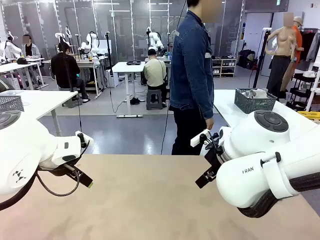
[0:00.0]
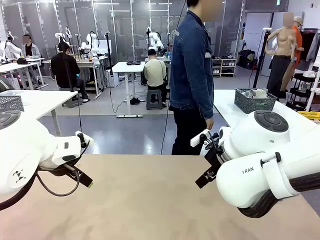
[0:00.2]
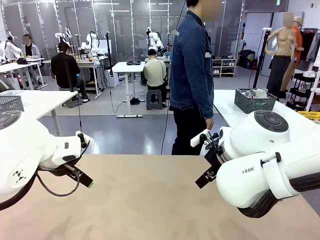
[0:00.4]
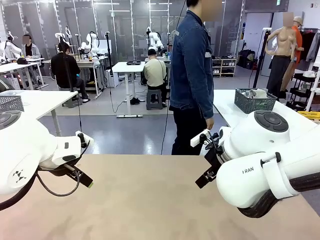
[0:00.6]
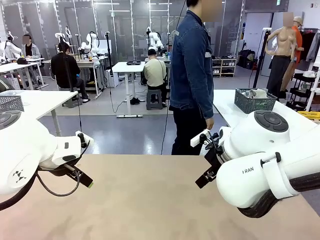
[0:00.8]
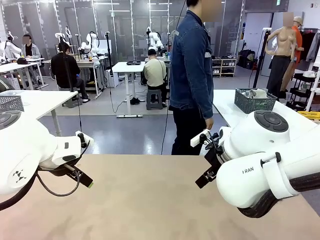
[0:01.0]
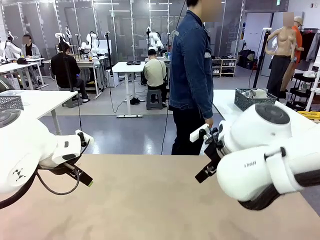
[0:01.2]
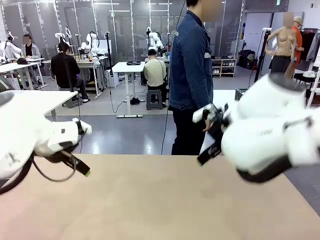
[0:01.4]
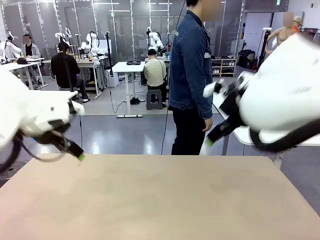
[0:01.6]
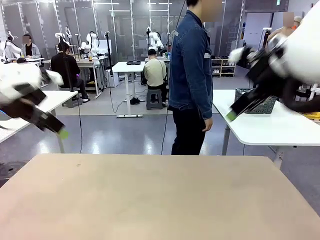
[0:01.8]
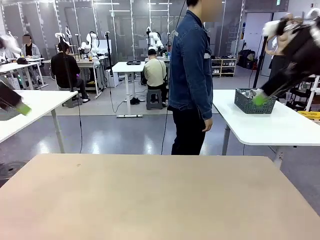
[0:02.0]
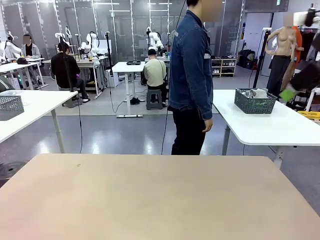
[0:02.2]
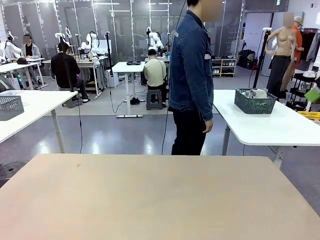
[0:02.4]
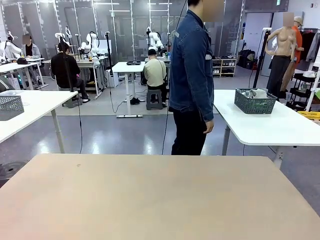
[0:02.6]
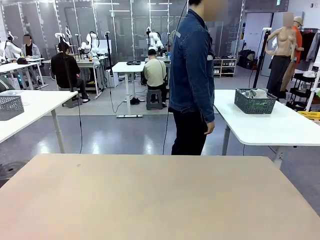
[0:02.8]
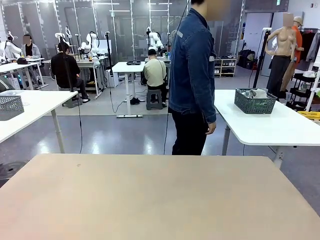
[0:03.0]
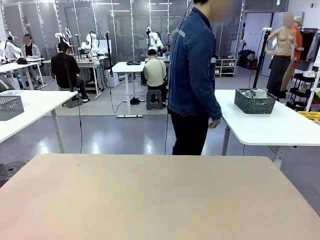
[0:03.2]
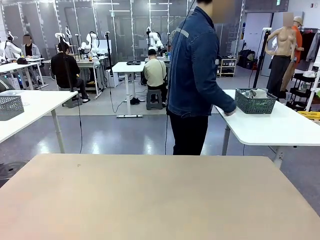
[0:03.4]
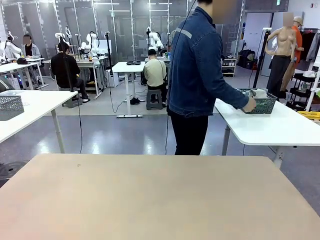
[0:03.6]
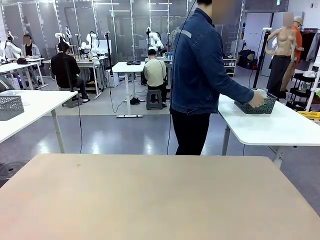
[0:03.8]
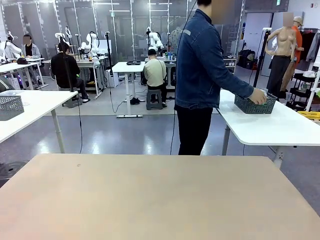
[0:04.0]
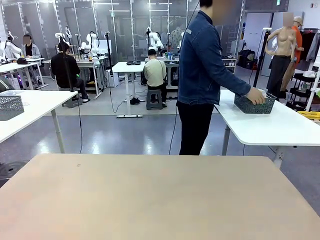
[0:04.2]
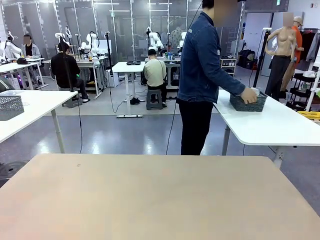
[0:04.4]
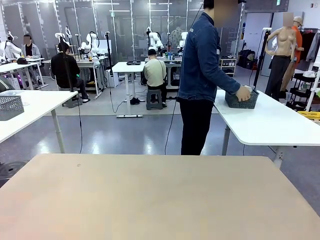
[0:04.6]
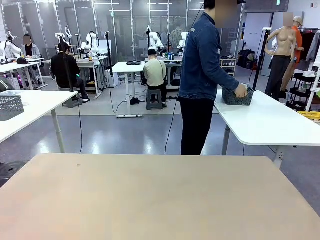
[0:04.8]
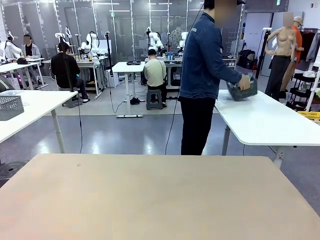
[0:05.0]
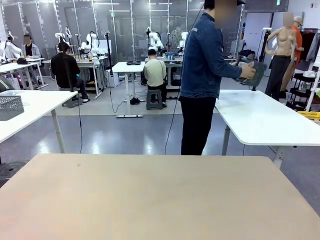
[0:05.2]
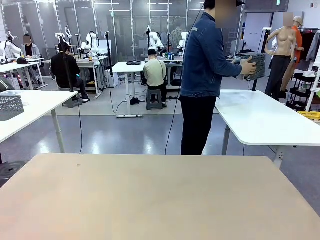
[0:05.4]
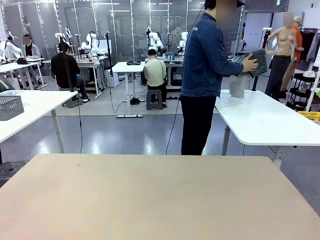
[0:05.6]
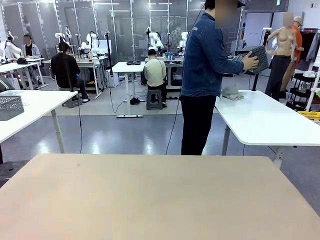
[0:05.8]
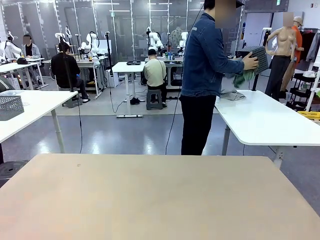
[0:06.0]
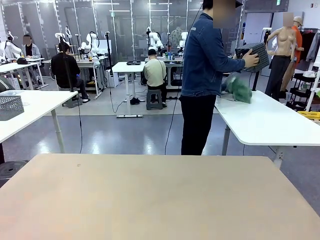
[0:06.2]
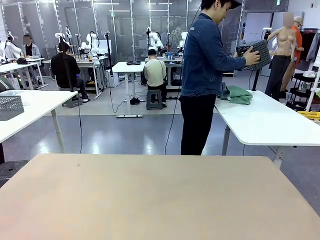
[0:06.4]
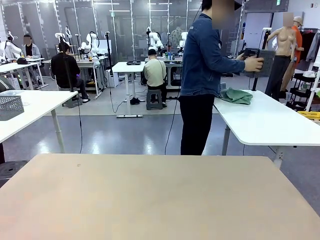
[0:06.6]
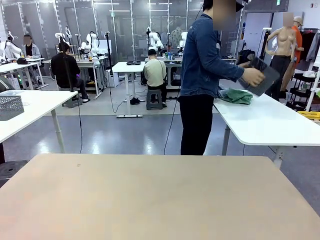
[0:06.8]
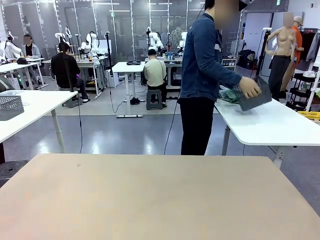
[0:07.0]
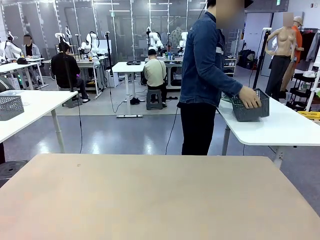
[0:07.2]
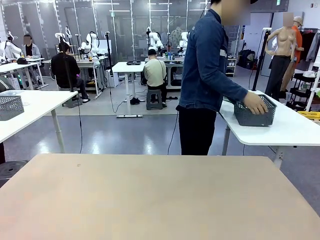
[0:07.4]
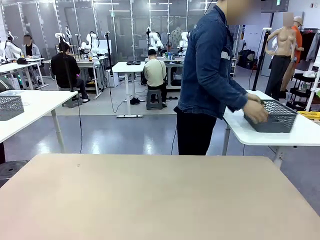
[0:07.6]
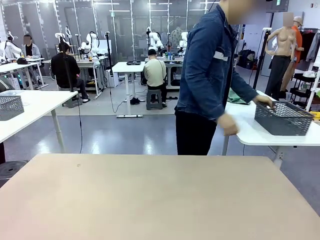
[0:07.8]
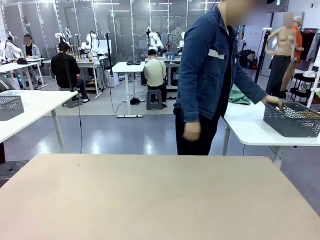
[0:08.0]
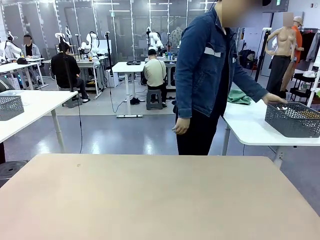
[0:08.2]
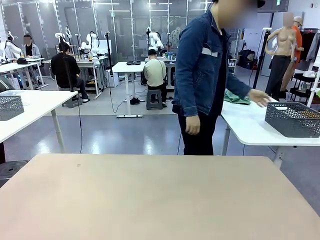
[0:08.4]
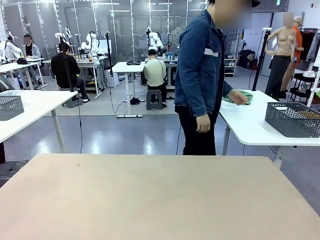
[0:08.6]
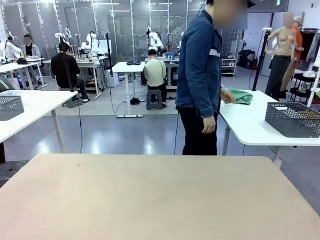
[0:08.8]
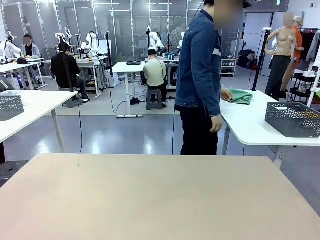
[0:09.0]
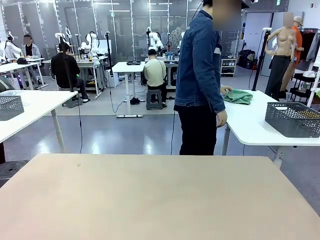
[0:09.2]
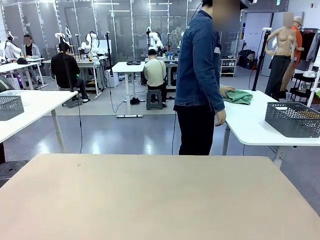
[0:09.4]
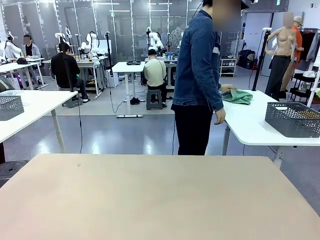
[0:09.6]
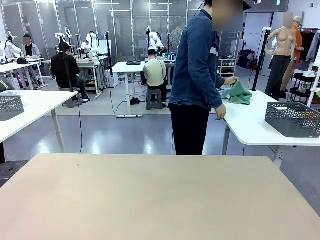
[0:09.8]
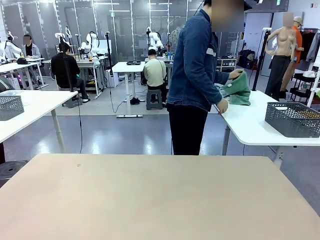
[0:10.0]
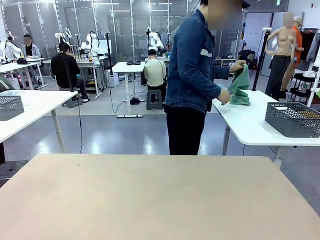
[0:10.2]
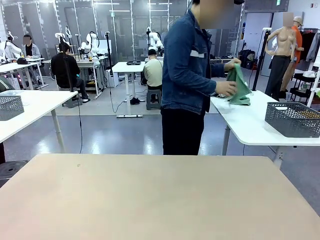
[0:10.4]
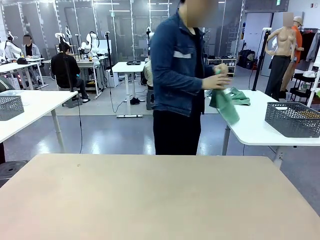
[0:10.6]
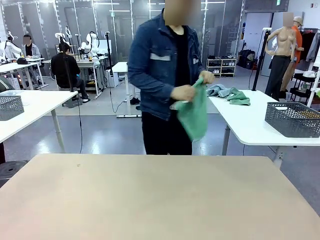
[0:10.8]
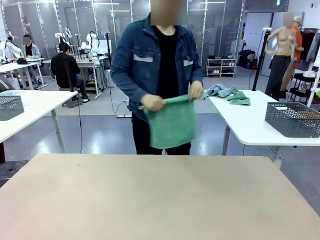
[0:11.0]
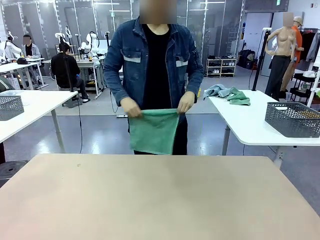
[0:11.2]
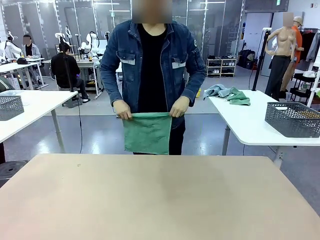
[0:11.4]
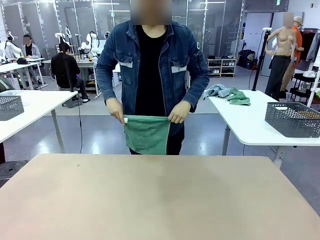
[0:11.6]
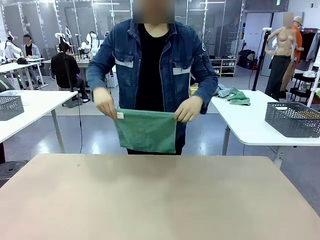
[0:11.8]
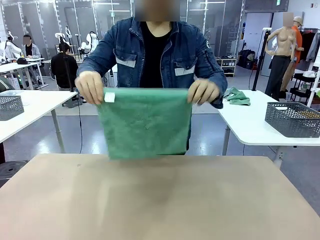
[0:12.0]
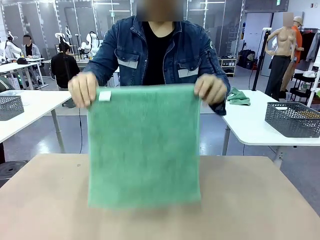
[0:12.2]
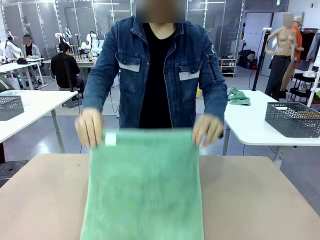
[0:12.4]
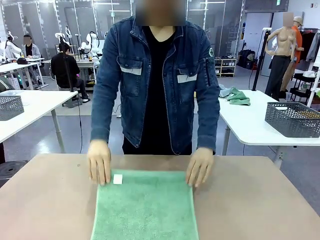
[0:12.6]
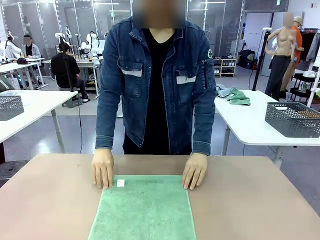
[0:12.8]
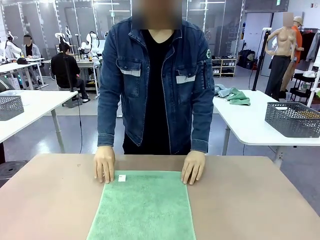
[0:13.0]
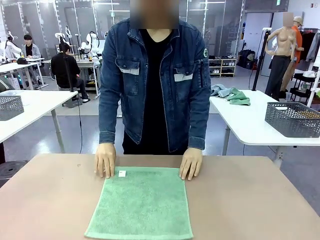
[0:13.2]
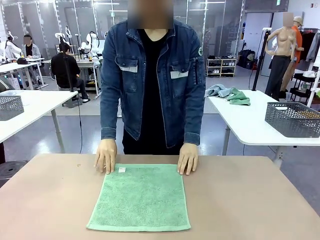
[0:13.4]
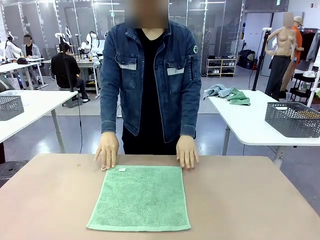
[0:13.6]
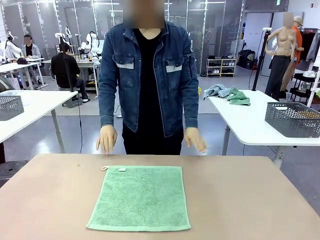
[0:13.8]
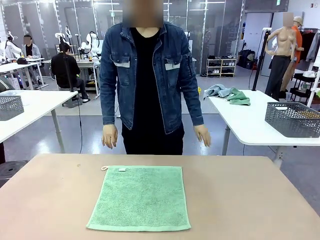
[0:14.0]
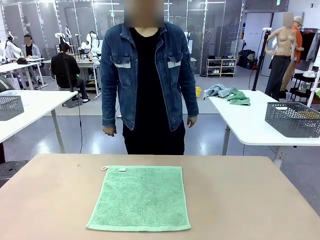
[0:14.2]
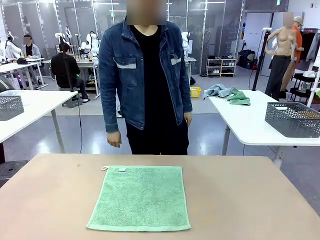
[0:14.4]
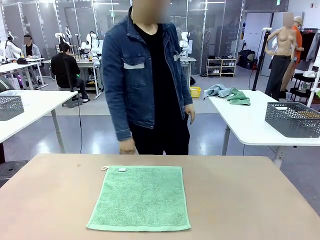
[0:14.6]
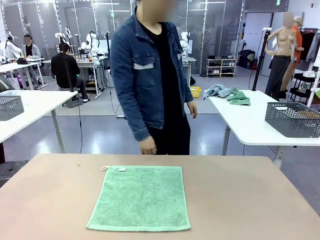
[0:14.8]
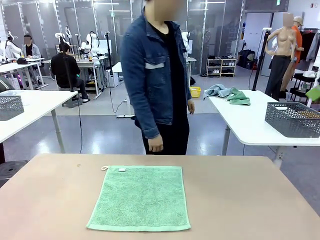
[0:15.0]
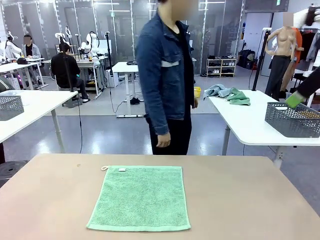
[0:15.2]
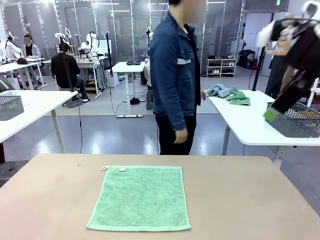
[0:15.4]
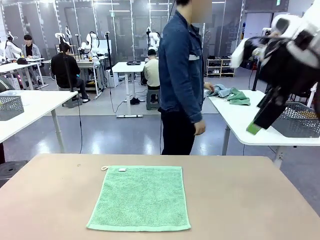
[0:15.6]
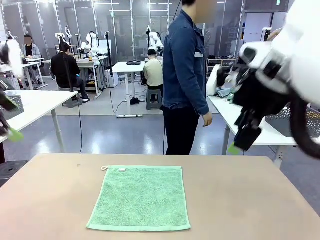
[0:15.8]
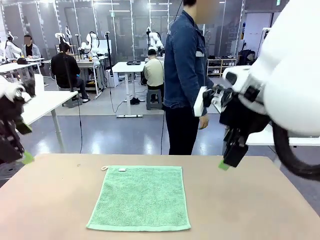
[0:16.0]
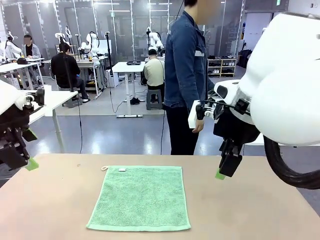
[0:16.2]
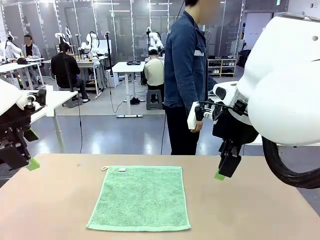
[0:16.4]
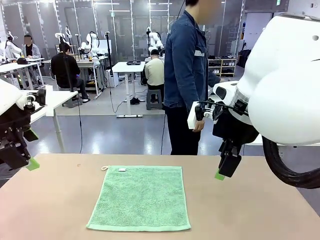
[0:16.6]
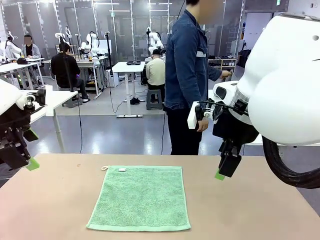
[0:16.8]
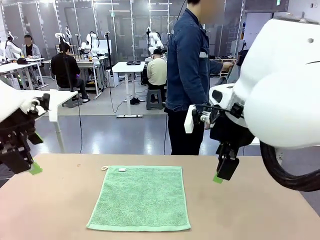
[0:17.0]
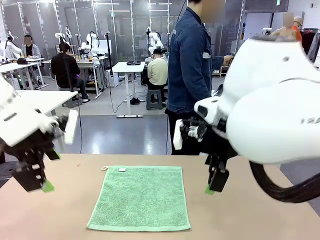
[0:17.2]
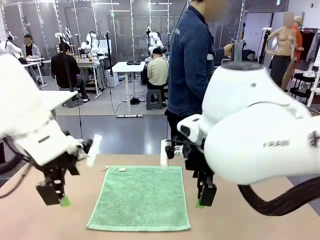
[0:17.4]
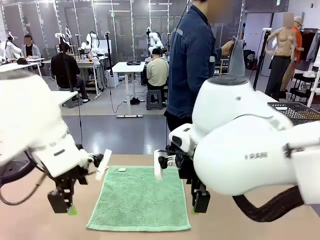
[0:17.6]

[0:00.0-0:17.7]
Task: Fold the towels and place them in the basket.
Robot: When a person lays out a Towel with hook on the table, fold it in half twice.
Person: Pick up the basket, pour the towels onto the left side of the human table, and place the basket on the right side. Pick up one towel and spread it out at the center of the robot table.
